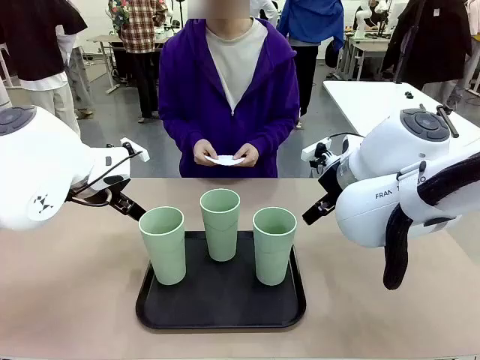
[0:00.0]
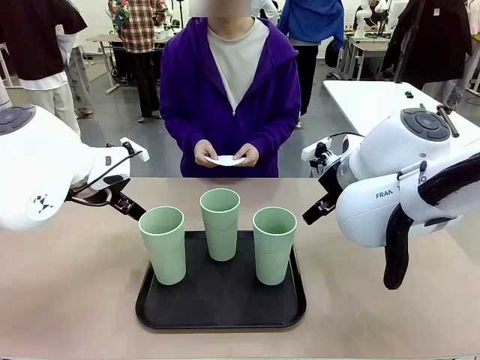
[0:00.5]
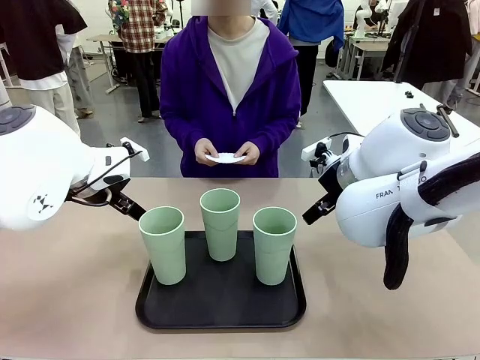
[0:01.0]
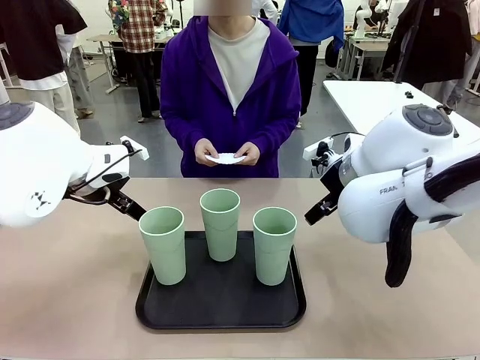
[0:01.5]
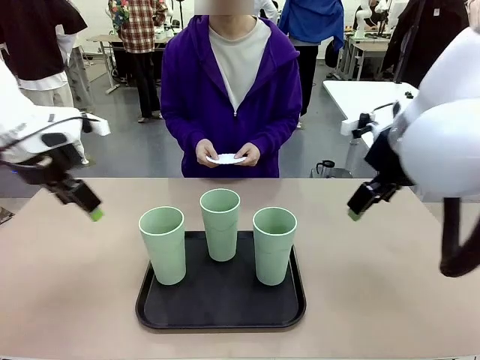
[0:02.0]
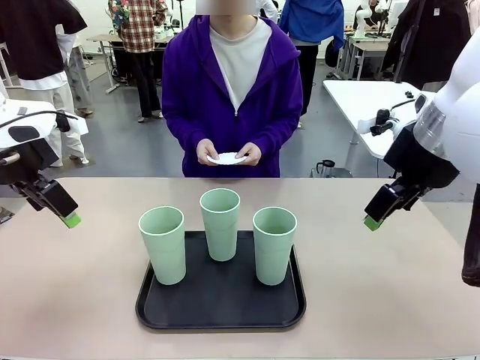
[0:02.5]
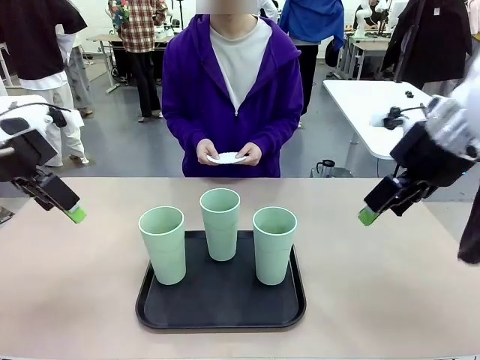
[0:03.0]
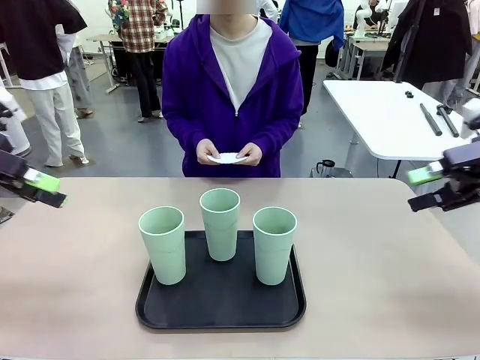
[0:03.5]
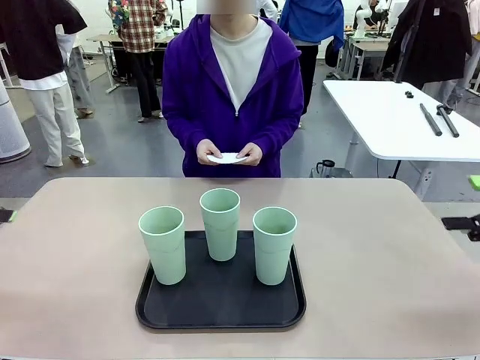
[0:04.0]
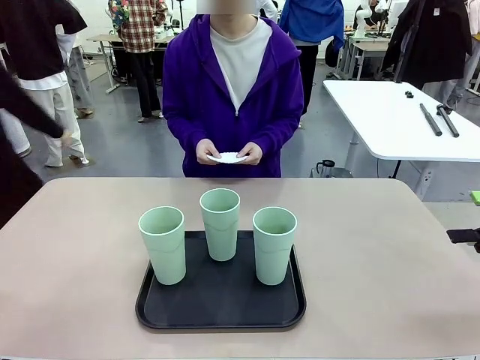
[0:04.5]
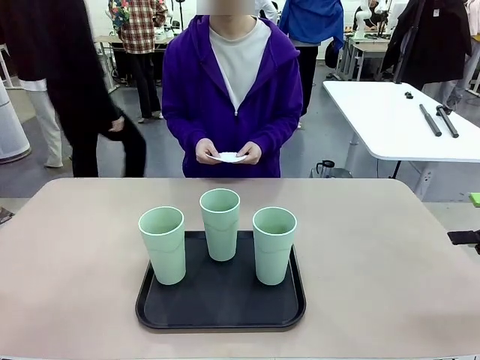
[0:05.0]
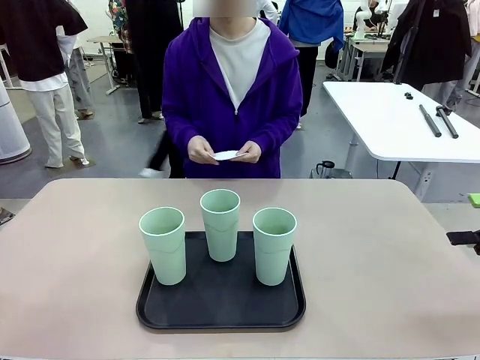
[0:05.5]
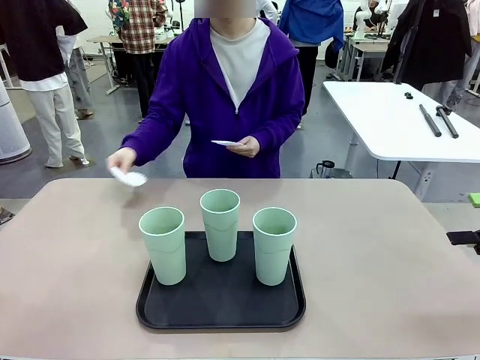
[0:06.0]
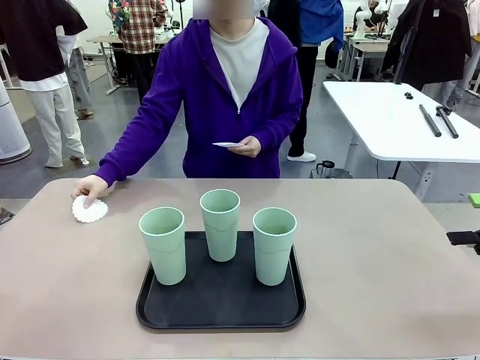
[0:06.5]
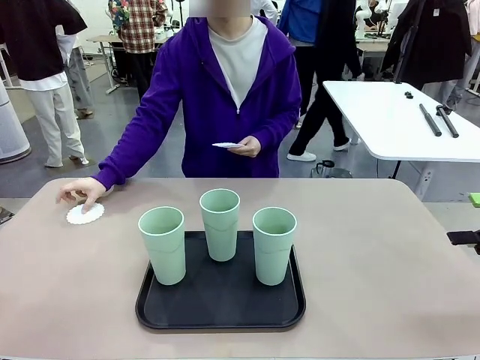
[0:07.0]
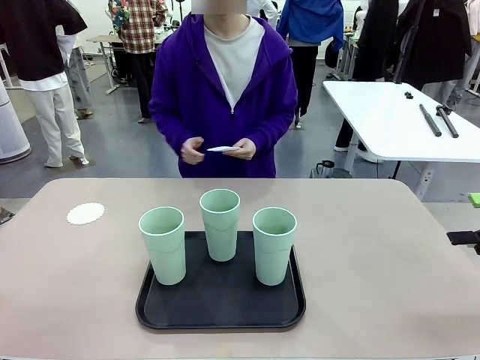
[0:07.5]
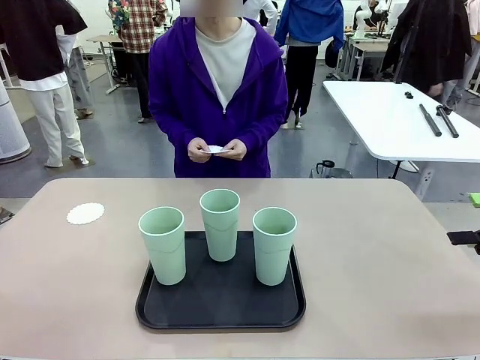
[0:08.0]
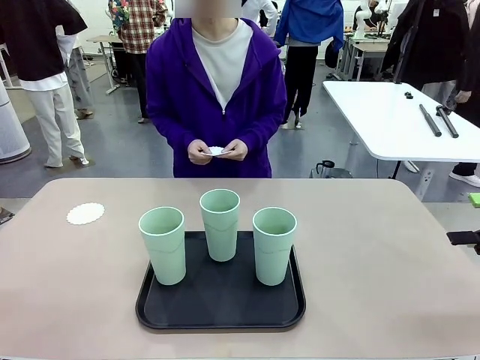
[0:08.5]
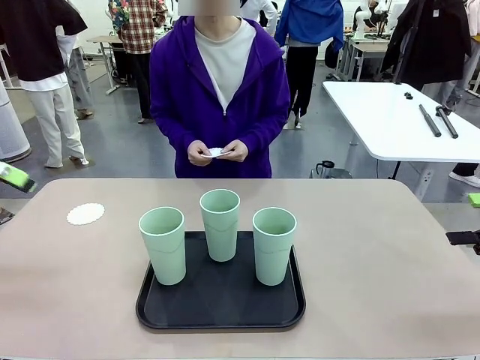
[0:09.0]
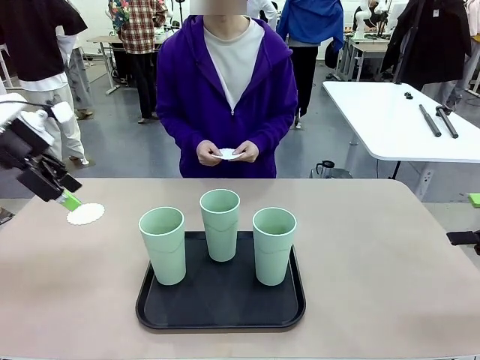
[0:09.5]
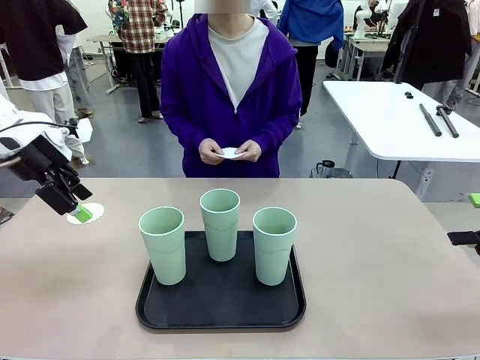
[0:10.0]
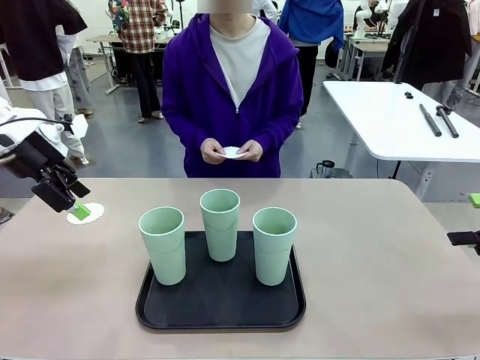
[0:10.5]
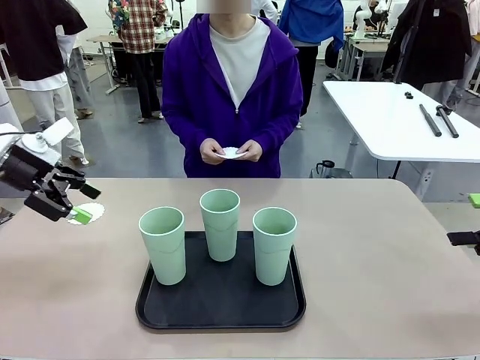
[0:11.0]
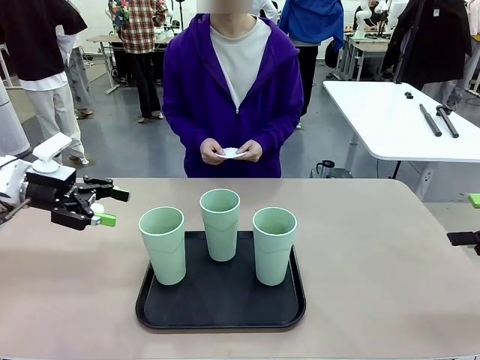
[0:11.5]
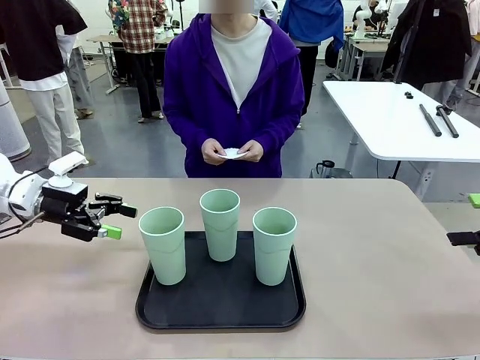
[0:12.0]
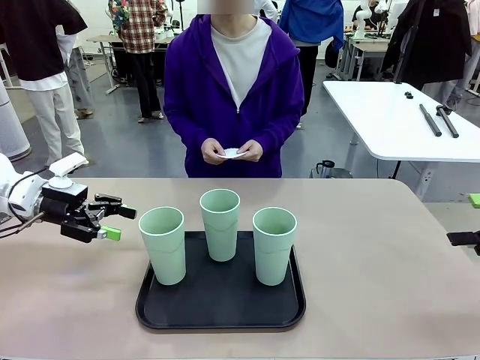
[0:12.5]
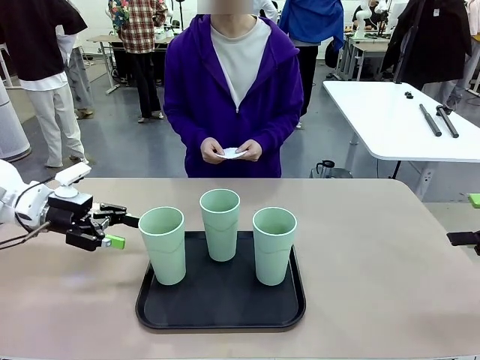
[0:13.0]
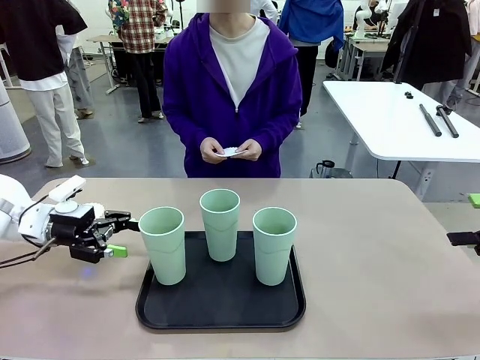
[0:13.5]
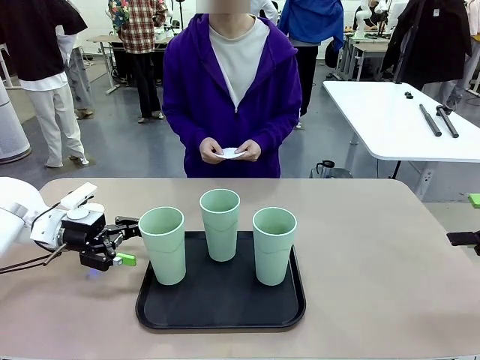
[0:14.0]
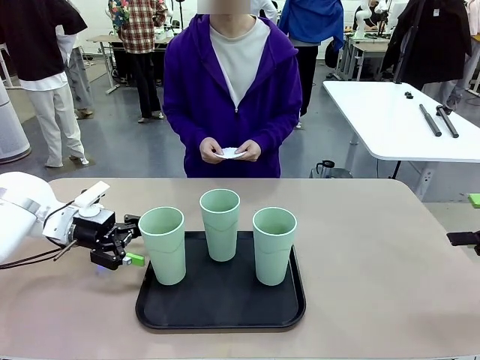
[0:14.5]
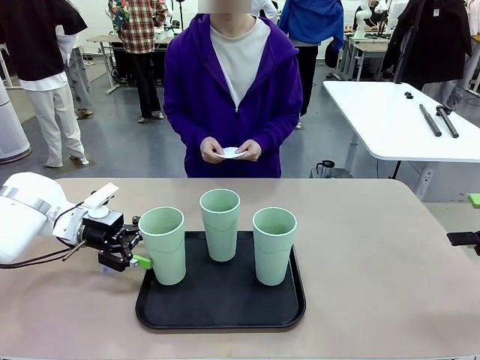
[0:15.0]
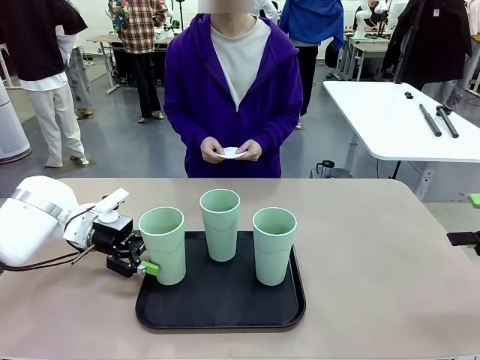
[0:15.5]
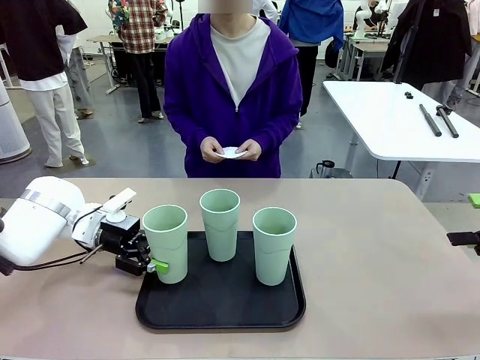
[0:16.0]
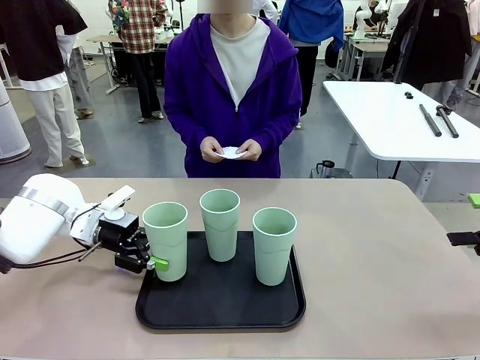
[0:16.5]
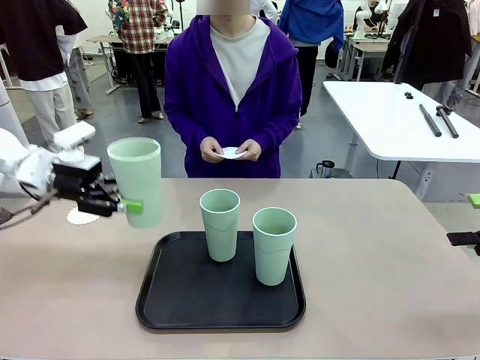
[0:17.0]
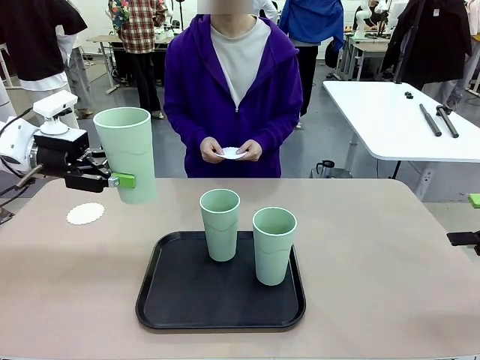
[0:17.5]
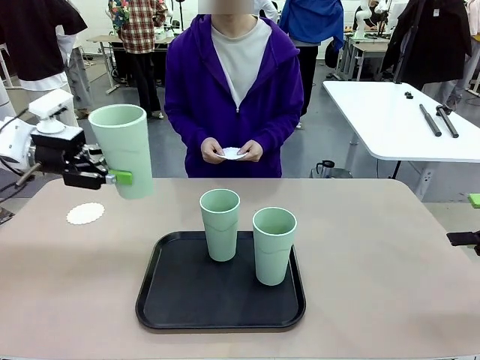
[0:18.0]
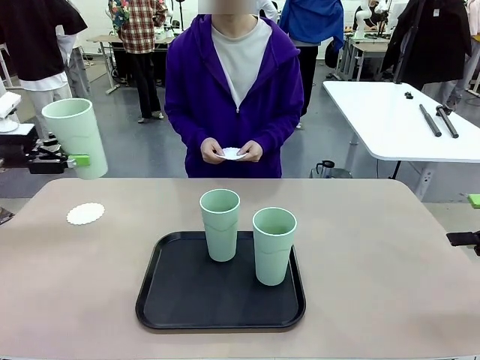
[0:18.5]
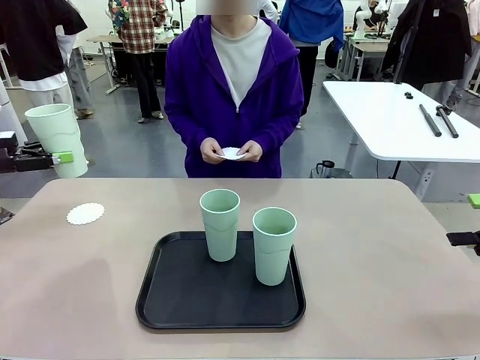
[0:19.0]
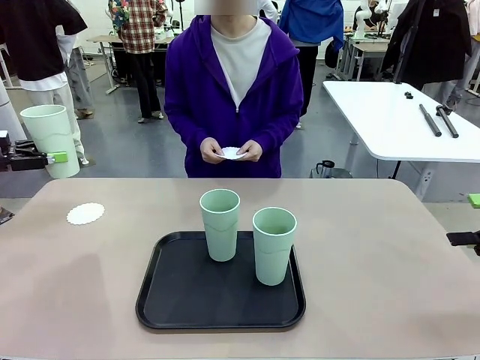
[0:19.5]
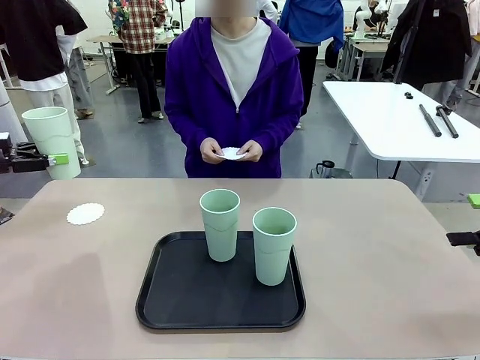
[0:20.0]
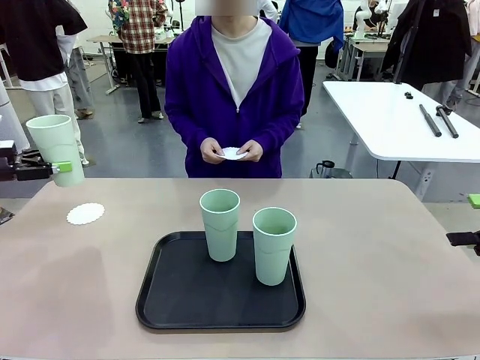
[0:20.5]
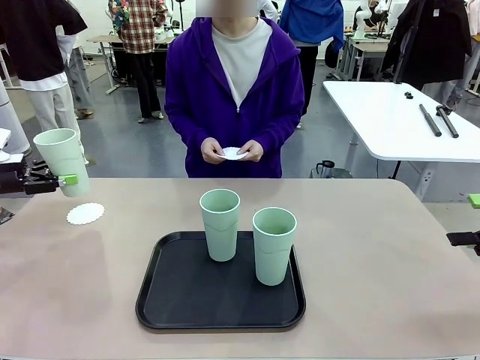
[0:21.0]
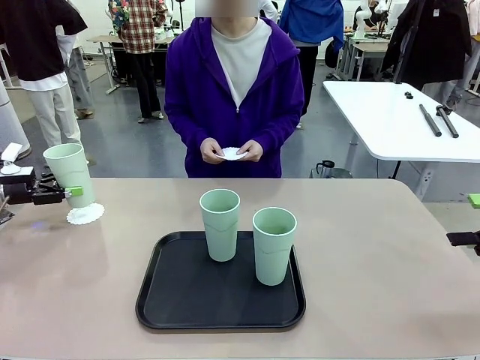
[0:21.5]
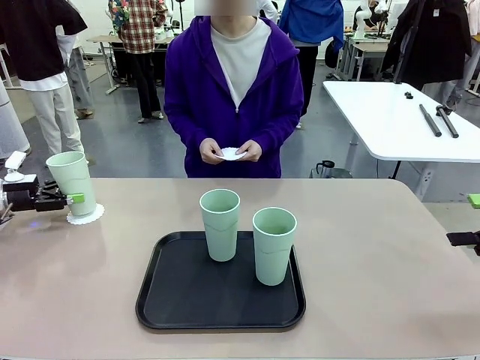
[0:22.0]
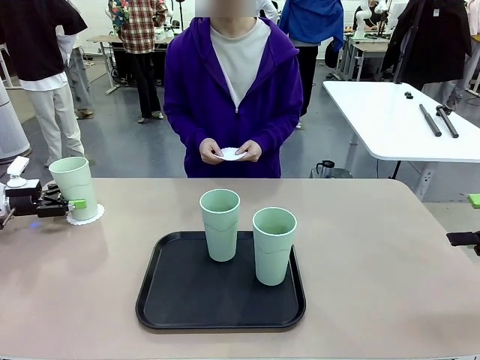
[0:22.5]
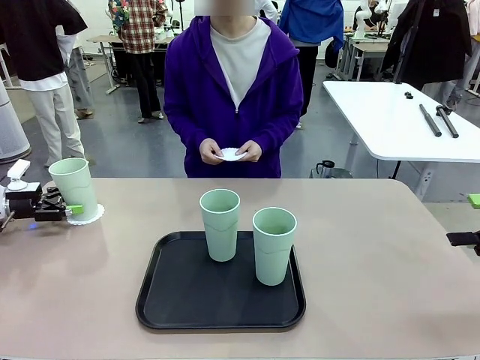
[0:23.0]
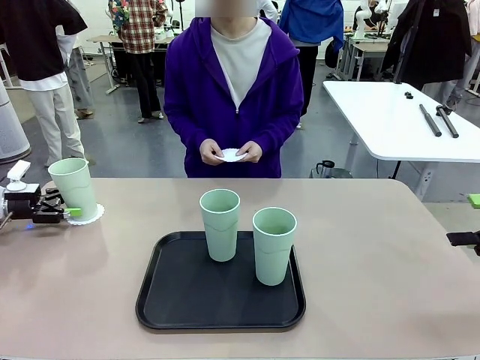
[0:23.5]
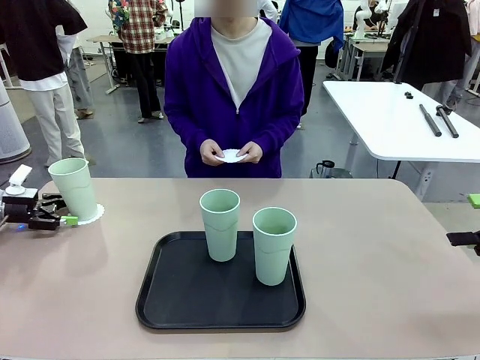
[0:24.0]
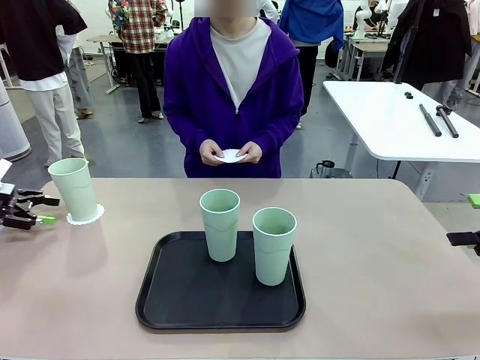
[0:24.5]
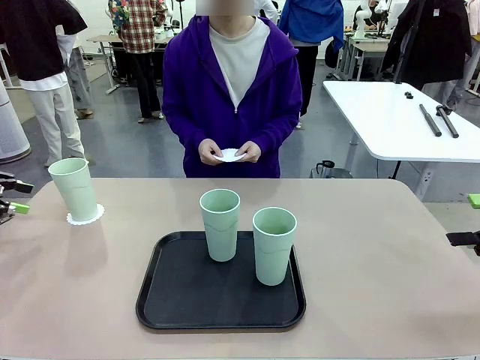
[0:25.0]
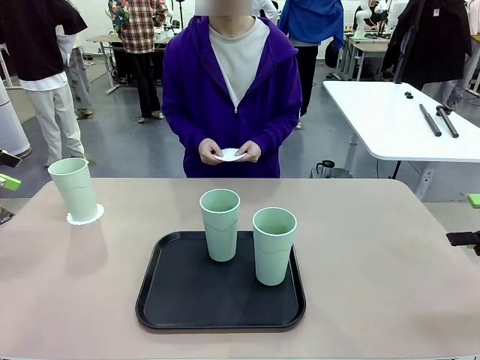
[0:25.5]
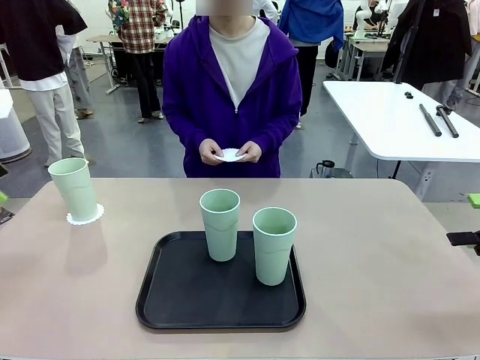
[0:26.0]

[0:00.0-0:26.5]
Task: Place coasters on the table and set cups on them.
Robot: Pick up one Reusable plastic cup and place it on a coaster set by the human.
Person: Place one coaster in any one of the three lower areas of the robot table (left, center, or right). Place one coaster in one of the two areas excluding the previously selected area.
